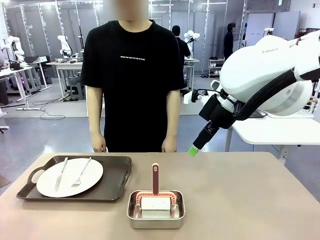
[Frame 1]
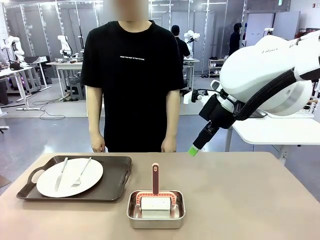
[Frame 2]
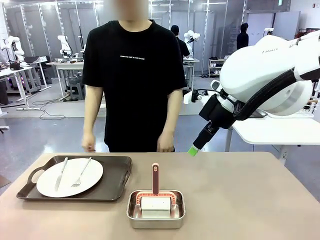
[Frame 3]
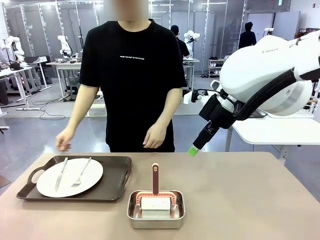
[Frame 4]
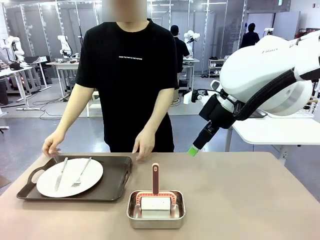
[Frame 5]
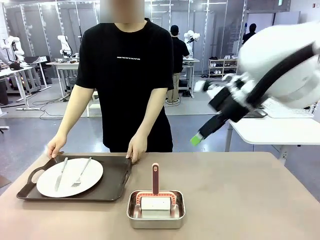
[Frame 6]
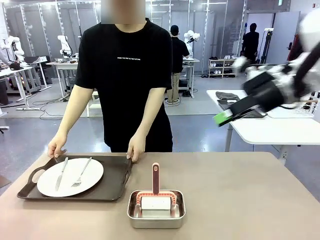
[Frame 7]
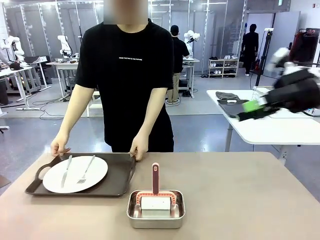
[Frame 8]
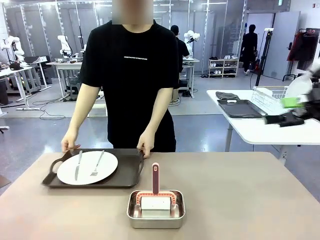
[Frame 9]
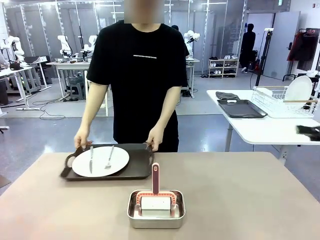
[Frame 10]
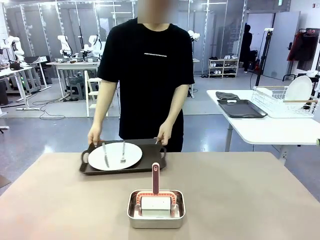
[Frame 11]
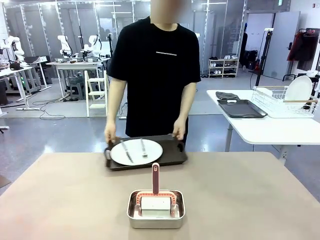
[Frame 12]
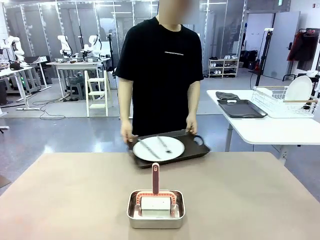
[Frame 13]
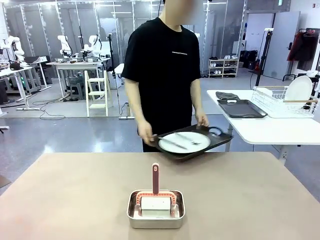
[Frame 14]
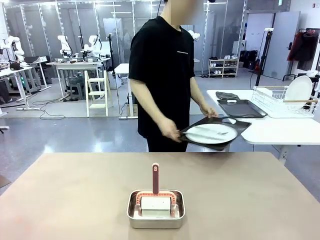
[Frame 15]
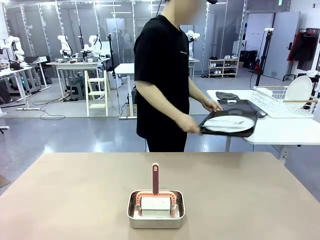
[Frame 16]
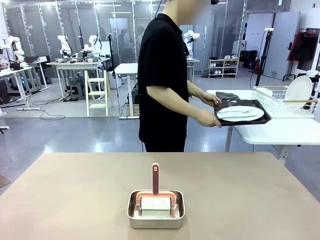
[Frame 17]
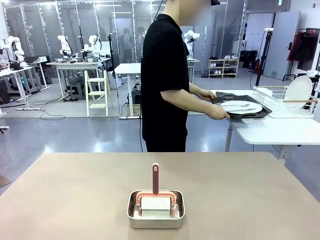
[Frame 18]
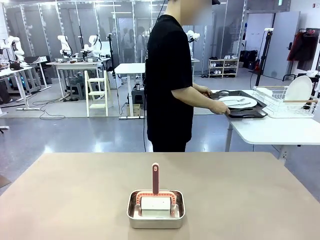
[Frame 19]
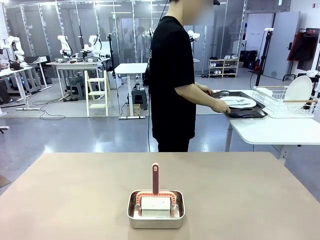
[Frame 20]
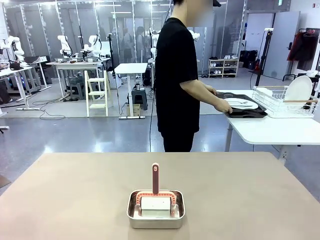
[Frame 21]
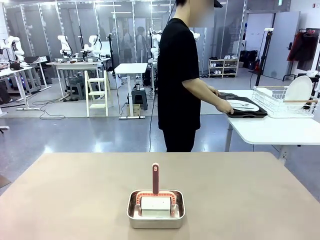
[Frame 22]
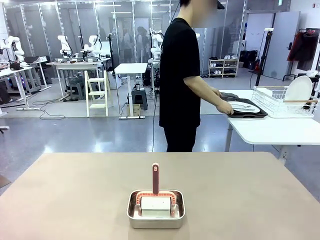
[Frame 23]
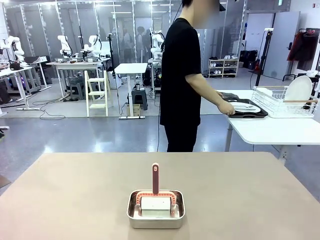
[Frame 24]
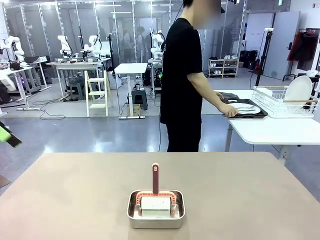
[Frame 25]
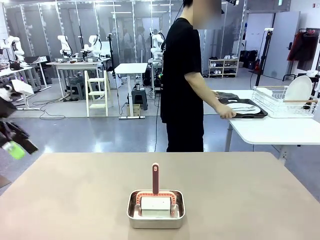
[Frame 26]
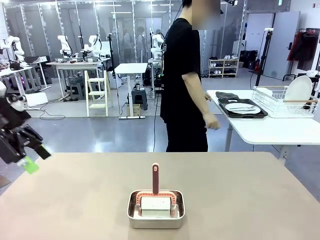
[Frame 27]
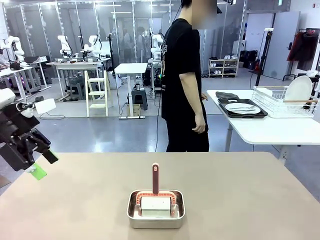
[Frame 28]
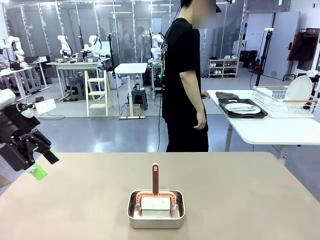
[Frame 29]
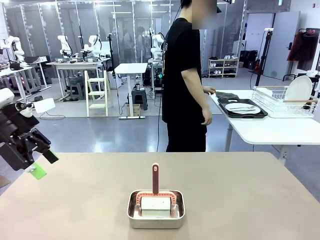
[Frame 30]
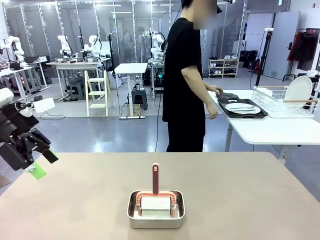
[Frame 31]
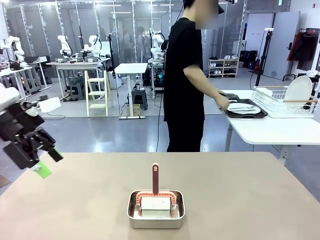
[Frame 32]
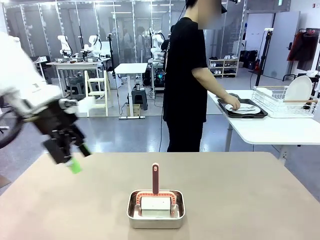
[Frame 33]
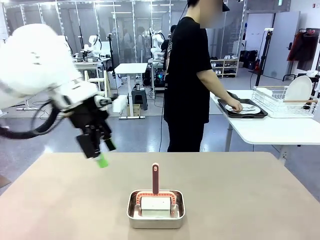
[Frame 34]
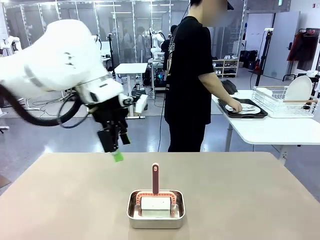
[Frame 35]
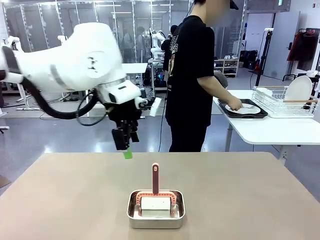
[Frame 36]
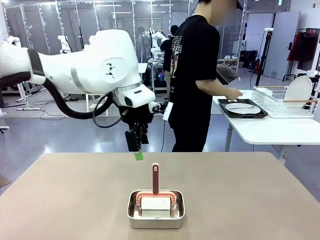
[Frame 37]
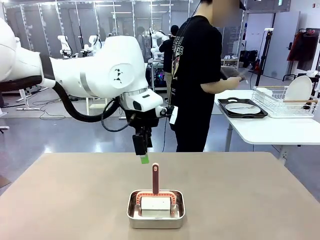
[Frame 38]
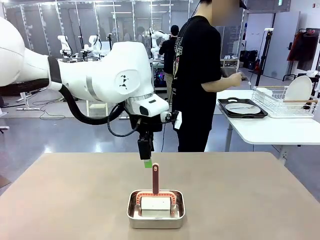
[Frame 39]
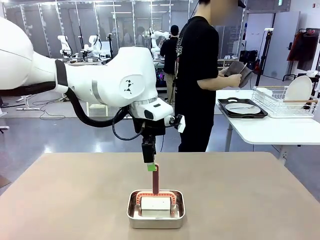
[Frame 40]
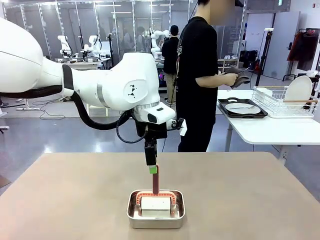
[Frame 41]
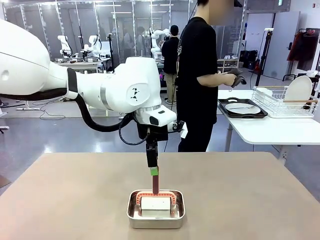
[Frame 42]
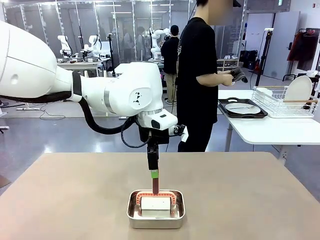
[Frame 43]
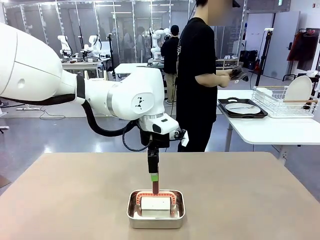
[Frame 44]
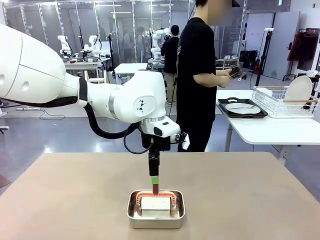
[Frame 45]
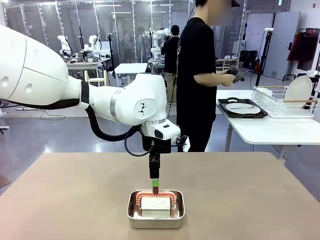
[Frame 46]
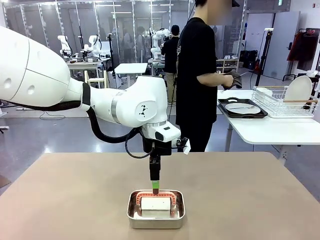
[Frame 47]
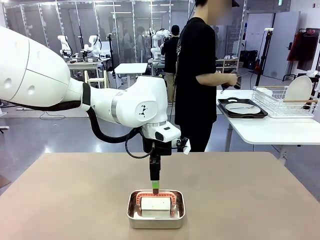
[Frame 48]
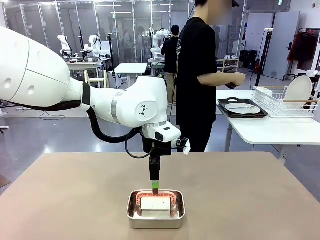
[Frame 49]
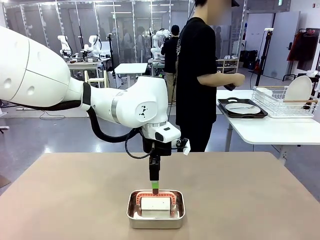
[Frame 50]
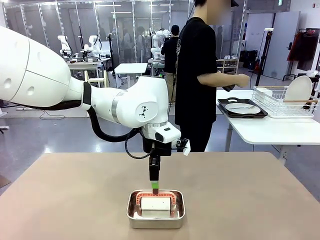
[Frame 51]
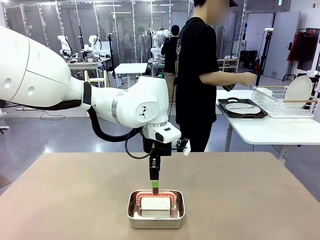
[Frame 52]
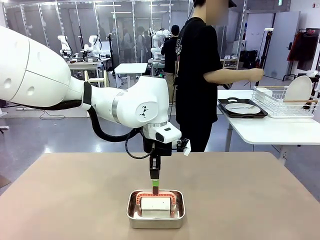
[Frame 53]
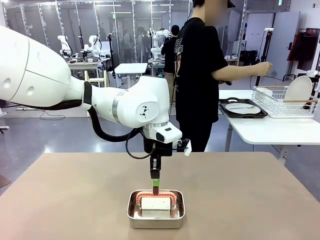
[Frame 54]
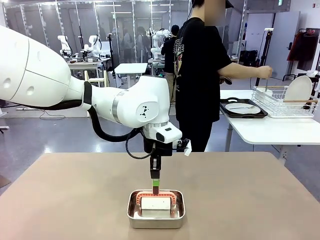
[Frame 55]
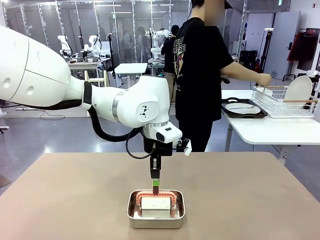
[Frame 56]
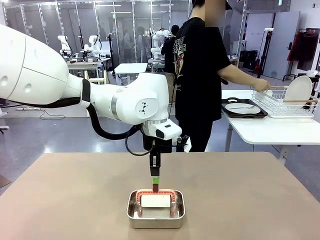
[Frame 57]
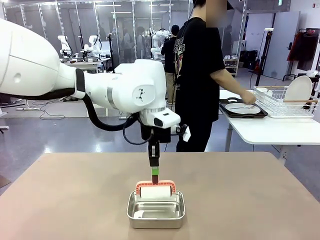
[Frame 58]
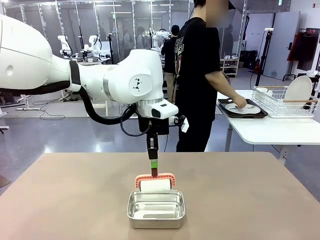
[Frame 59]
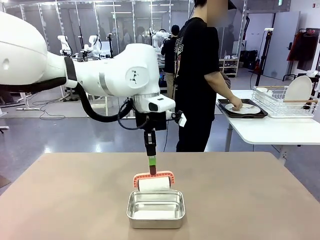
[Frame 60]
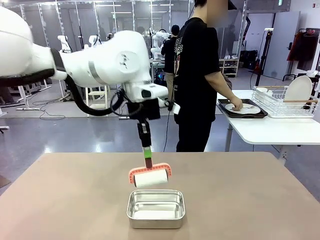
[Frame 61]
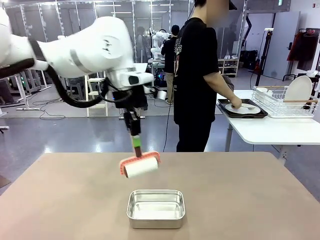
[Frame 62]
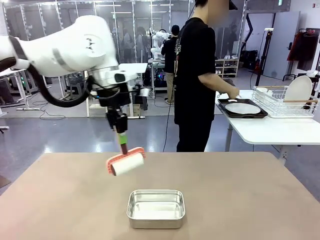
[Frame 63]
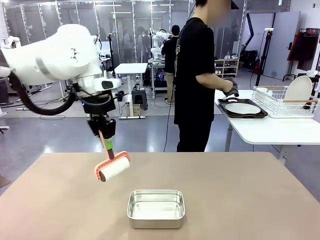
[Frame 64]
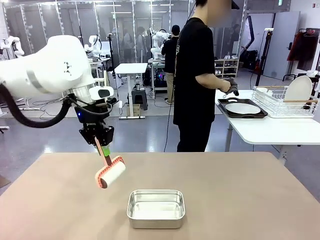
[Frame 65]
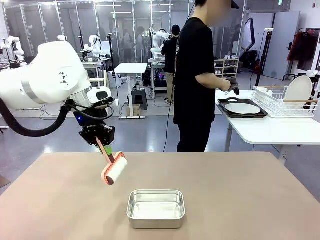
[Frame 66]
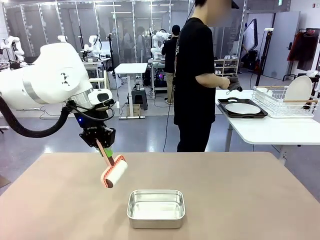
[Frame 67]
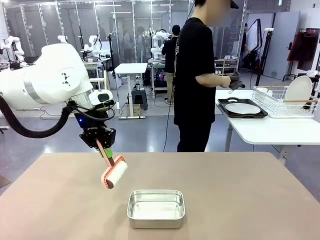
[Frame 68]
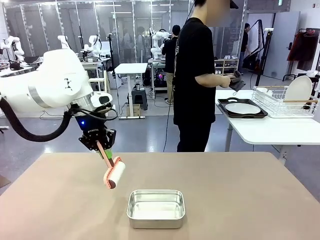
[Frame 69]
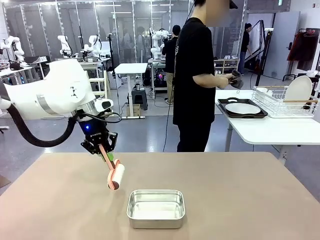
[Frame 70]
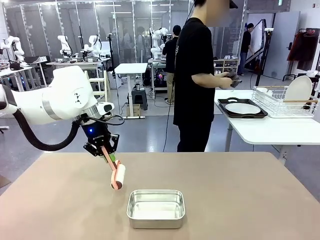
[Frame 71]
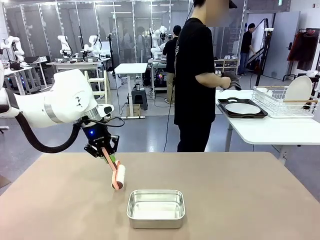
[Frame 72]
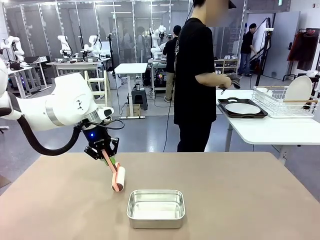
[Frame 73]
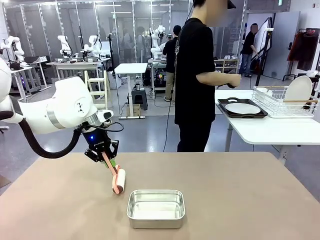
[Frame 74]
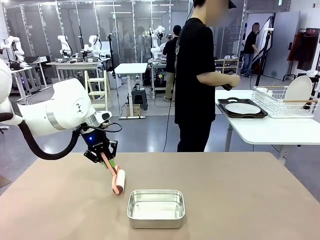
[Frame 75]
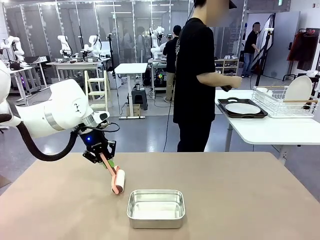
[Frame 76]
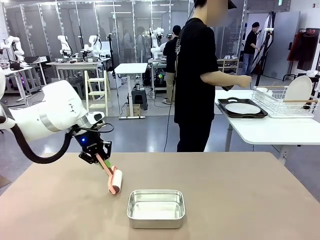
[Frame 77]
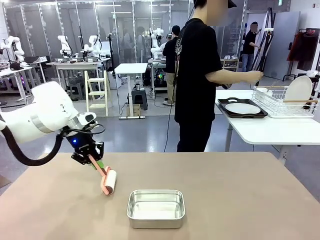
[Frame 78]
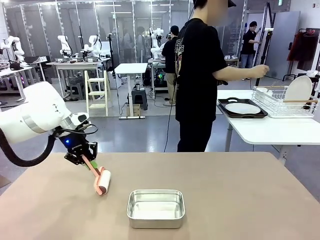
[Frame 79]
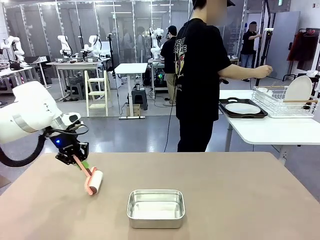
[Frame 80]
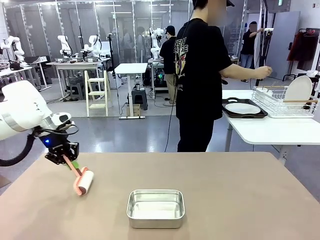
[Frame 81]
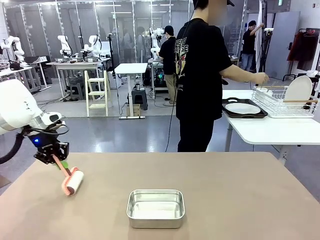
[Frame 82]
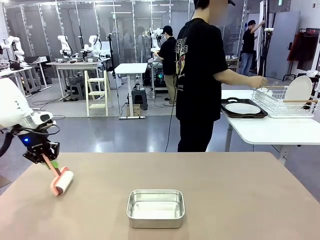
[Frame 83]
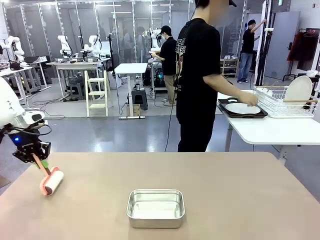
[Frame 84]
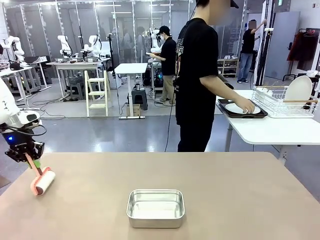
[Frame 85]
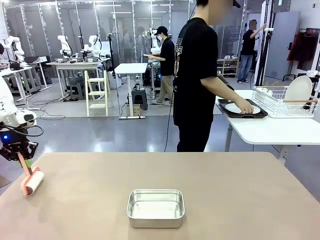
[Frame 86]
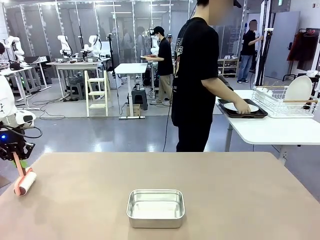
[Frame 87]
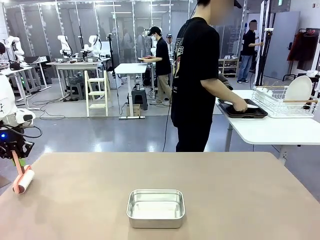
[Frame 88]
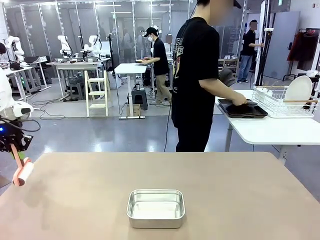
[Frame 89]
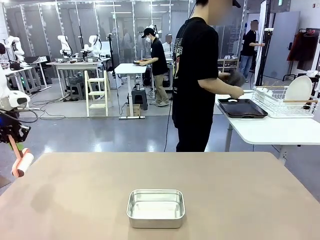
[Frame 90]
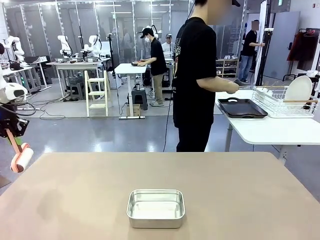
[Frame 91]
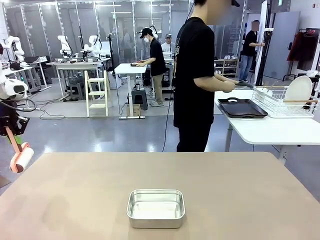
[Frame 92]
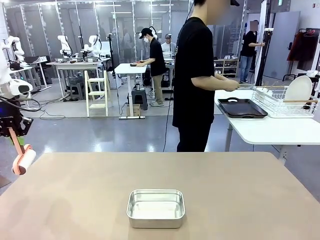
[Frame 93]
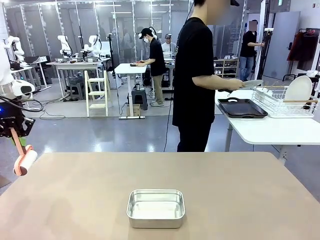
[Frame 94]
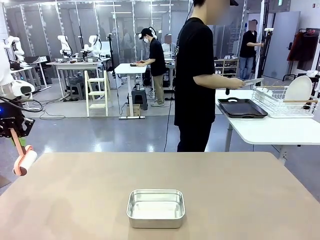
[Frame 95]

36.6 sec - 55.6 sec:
Robot: When the right (or left) Handle tray is removed, use the right hand (or left hand) to clean the right (or left) side of the table with the Lint Roller.
Person: Use the Towel with hook to wipe the Plastic Matte Plate , Fork , and Knife and place into the Dish drying rack.
